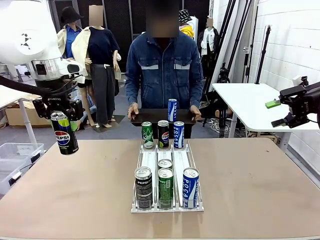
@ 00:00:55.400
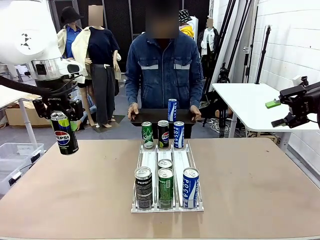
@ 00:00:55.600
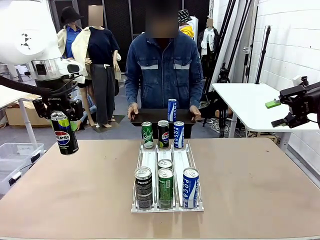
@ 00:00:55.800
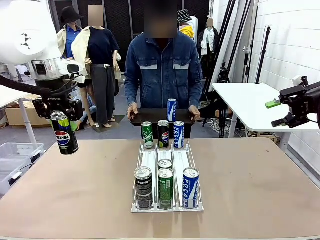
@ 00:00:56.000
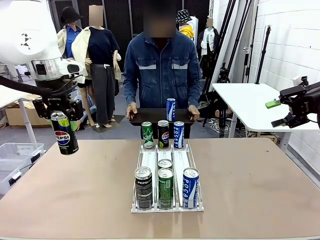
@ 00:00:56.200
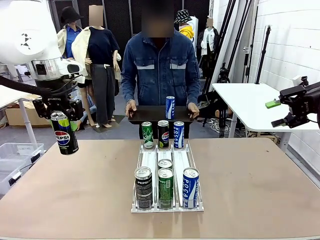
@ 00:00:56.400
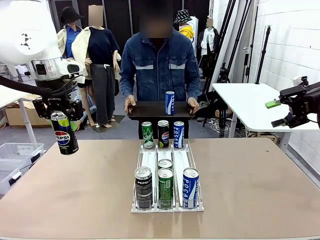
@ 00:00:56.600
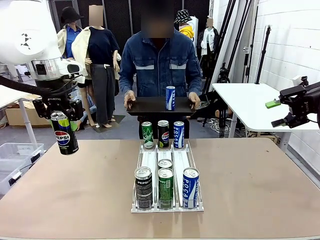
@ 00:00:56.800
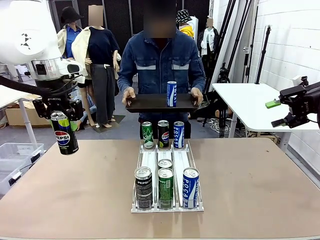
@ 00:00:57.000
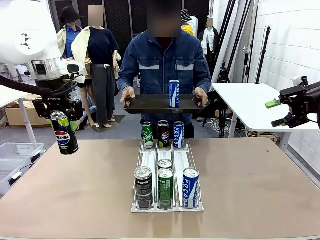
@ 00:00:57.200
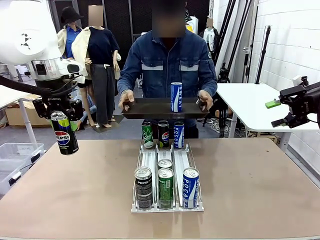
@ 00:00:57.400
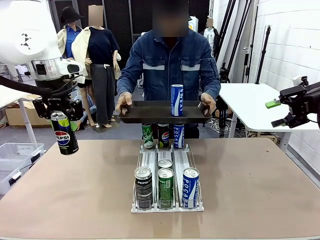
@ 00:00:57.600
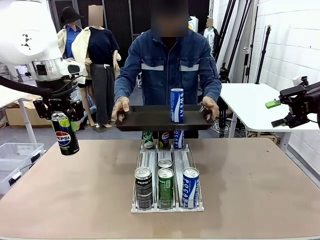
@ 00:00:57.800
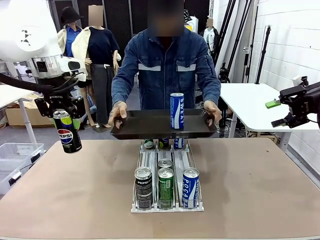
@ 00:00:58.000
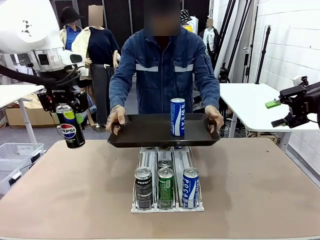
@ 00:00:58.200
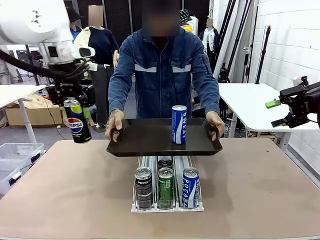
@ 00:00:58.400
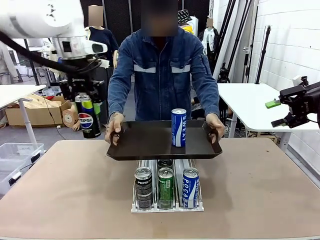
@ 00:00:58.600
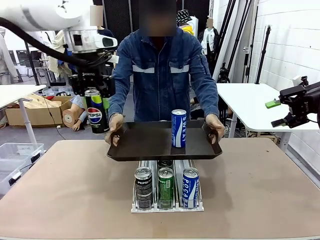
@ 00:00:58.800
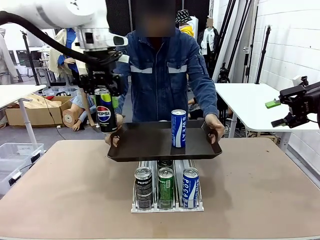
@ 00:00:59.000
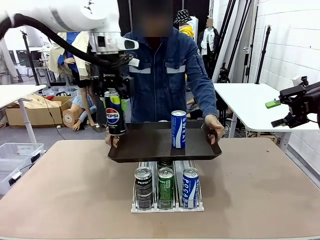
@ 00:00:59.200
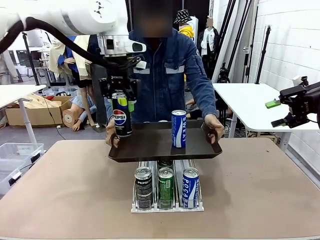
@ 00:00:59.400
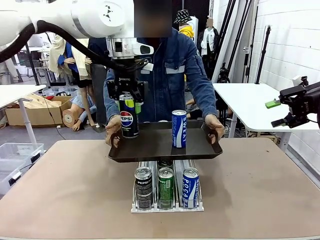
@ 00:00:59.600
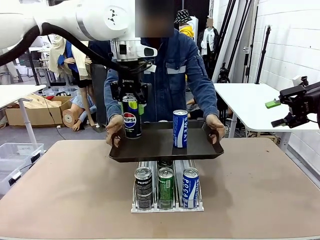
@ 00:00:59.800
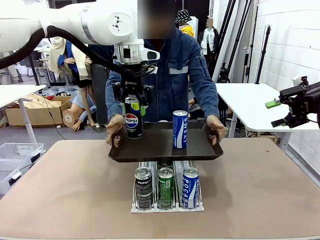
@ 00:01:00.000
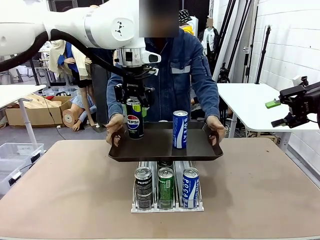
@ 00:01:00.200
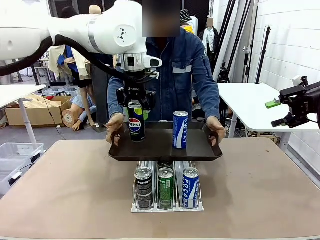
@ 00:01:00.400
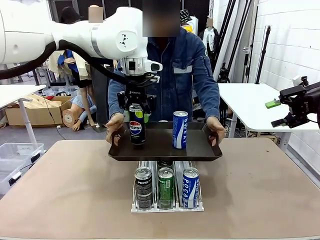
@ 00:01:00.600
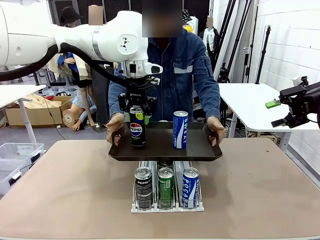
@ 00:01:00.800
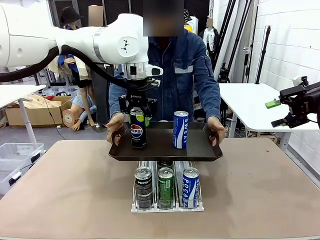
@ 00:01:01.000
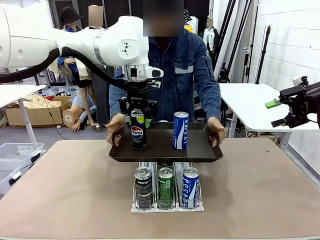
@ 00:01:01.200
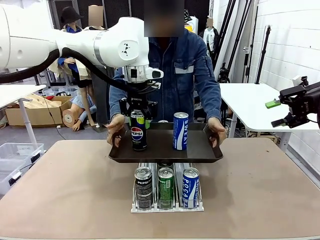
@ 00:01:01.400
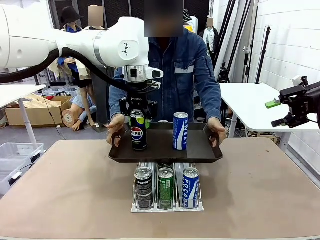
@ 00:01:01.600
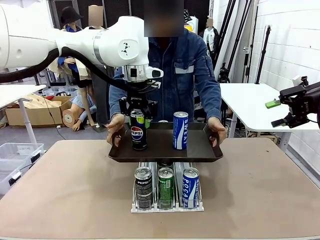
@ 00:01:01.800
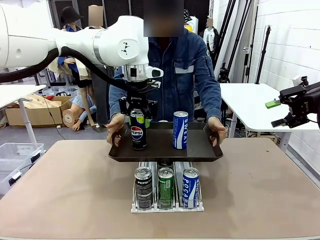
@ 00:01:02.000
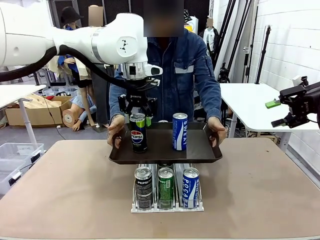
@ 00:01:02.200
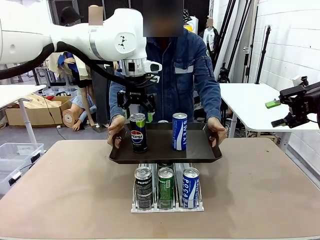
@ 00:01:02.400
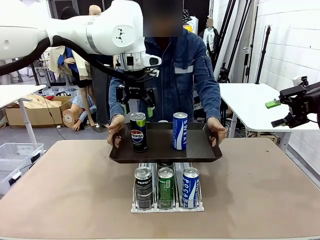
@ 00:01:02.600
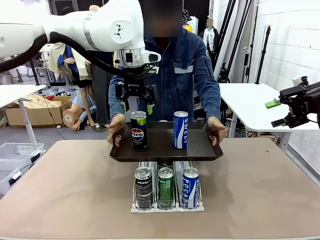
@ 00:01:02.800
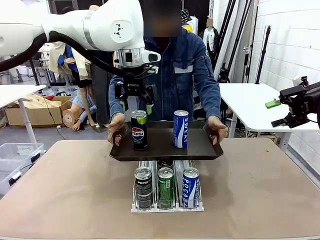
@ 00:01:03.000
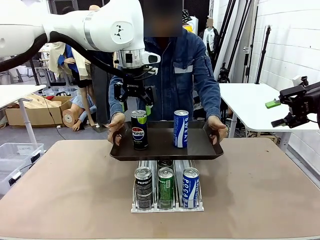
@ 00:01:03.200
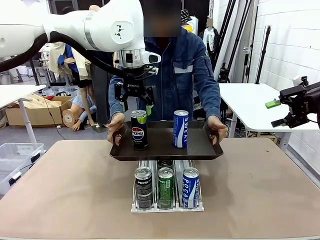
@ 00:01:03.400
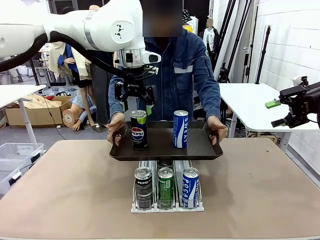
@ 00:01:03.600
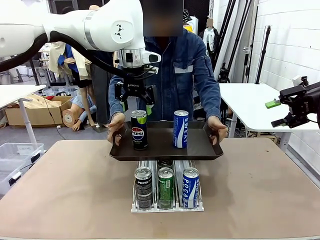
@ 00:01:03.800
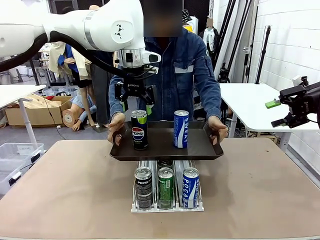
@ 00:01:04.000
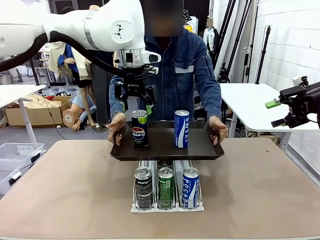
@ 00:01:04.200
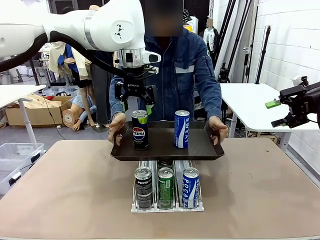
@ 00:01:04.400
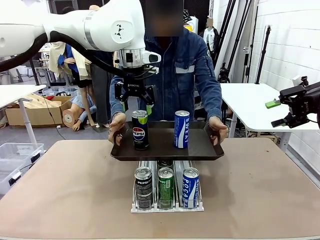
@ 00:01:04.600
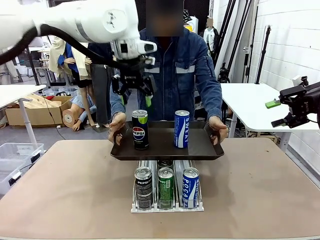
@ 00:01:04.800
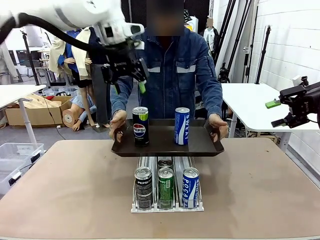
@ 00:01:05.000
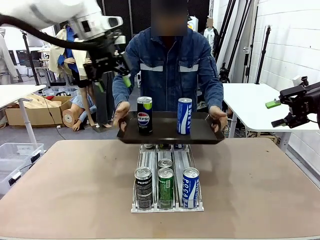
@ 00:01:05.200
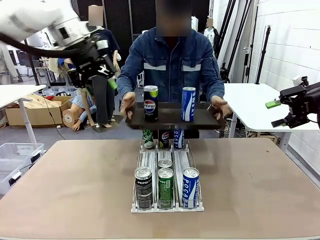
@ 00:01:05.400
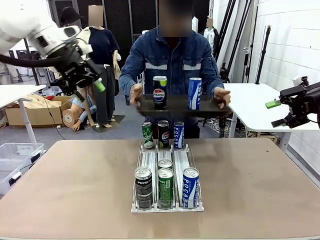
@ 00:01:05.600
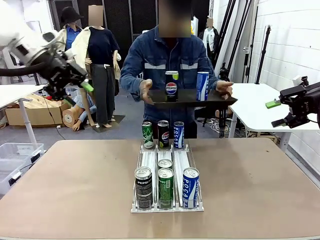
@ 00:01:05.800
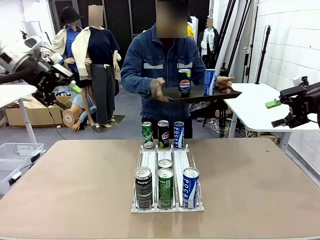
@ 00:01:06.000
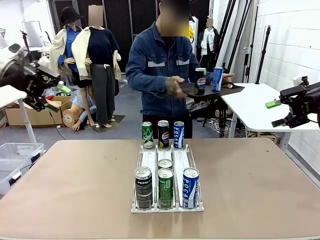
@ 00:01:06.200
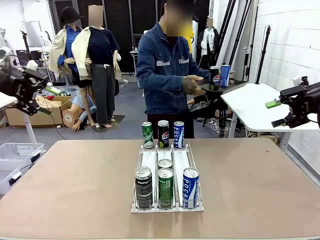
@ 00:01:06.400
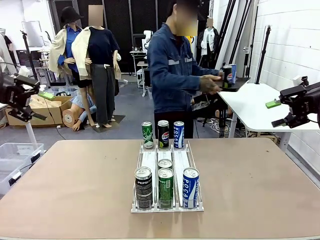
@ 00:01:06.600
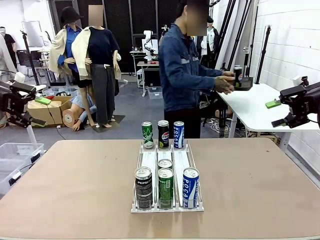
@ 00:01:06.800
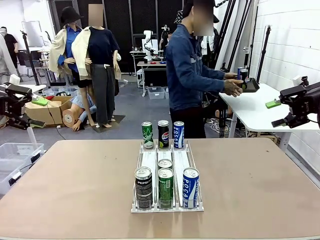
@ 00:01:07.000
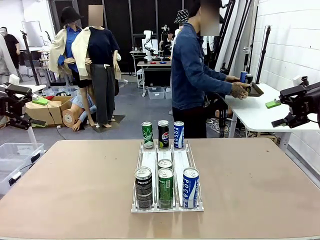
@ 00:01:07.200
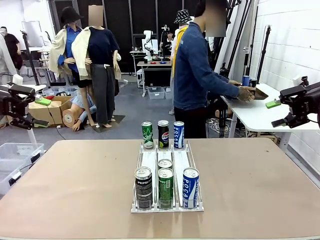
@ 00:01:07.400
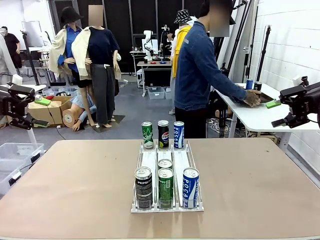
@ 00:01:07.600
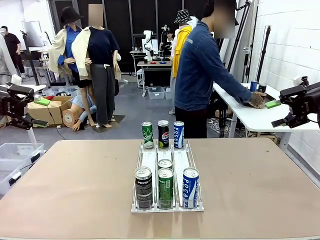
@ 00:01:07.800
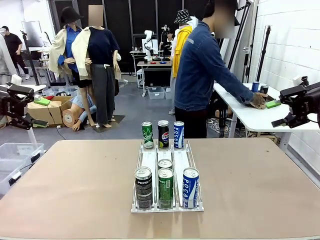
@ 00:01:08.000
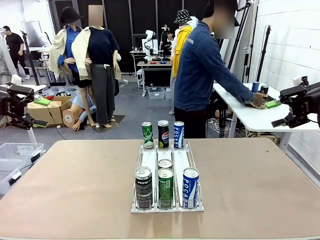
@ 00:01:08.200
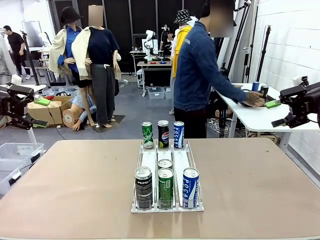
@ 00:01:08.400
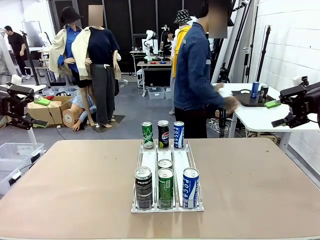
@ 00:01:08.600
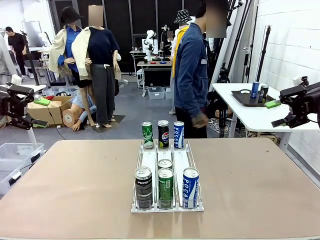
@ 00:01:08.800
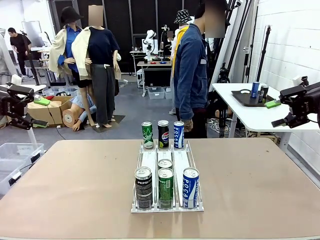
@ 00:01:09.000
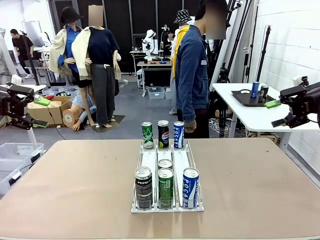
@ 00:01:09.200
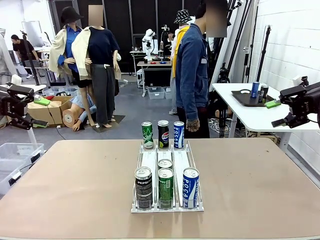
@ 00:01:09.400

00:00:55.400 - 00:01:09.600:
Task: Retrieve and hand over the desired beverage to the person.
Robot: Place the picked can on the Handle tray extended by the person.
Person: Pull the tray back and place it at the center of the human table.
